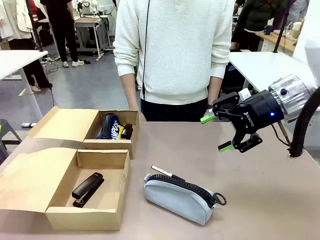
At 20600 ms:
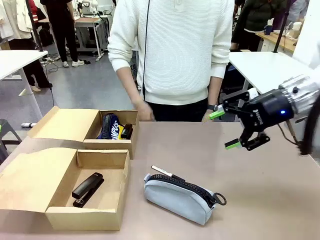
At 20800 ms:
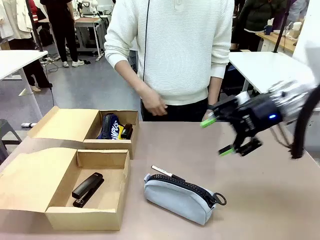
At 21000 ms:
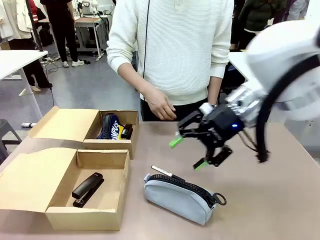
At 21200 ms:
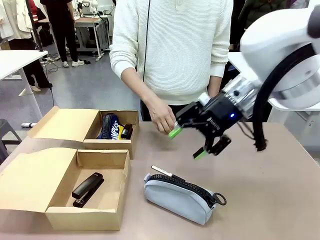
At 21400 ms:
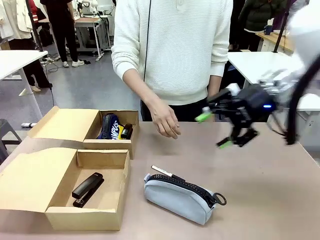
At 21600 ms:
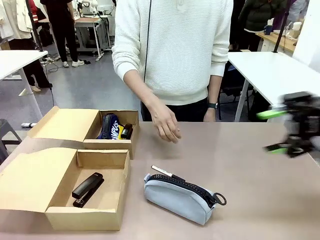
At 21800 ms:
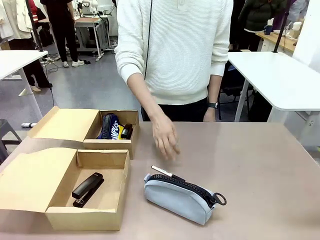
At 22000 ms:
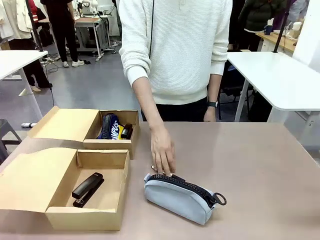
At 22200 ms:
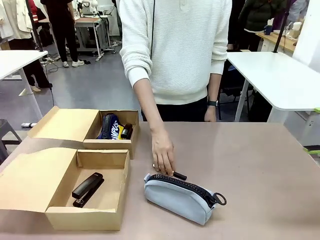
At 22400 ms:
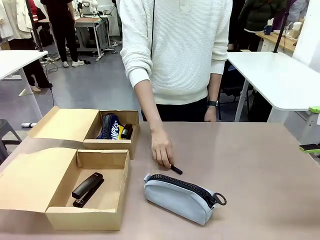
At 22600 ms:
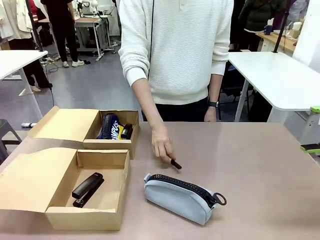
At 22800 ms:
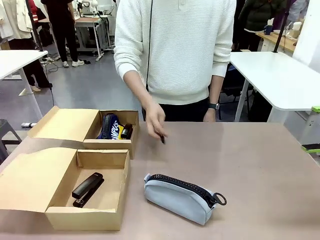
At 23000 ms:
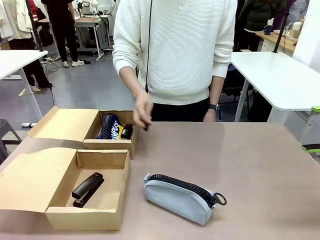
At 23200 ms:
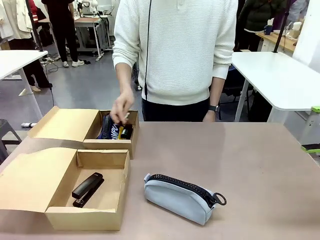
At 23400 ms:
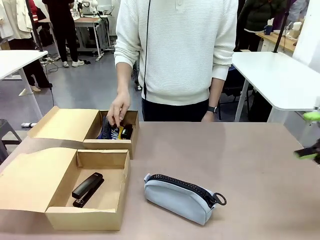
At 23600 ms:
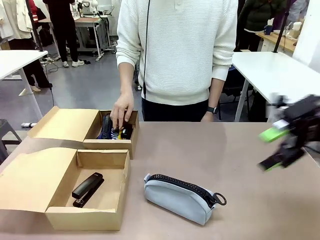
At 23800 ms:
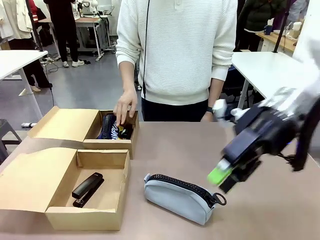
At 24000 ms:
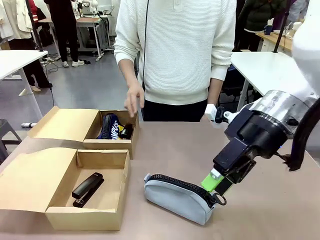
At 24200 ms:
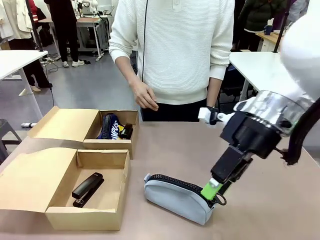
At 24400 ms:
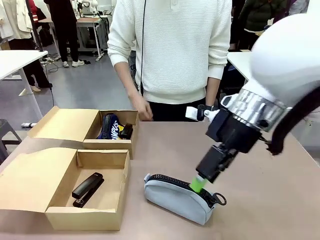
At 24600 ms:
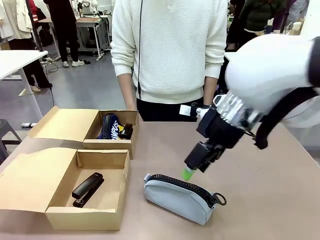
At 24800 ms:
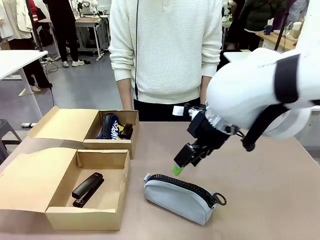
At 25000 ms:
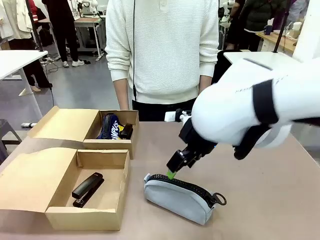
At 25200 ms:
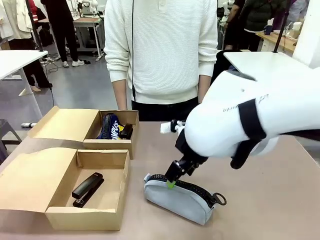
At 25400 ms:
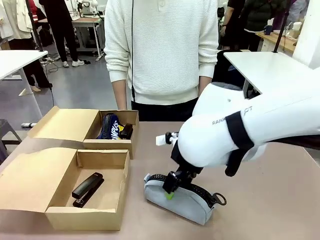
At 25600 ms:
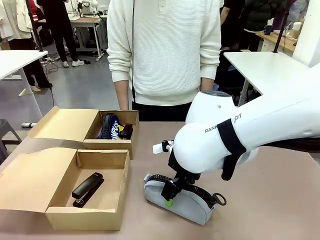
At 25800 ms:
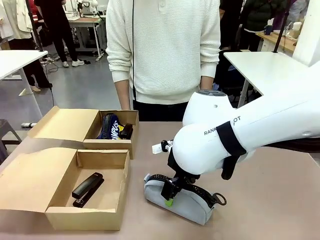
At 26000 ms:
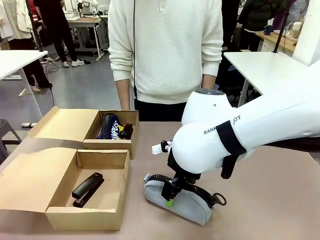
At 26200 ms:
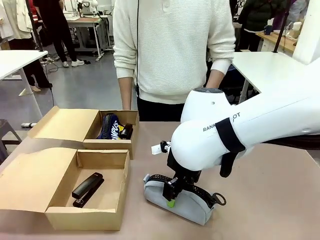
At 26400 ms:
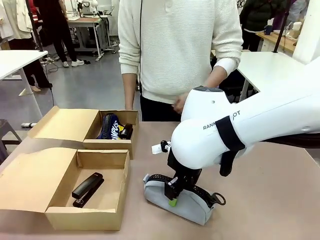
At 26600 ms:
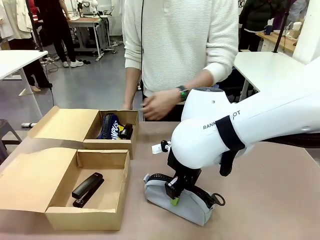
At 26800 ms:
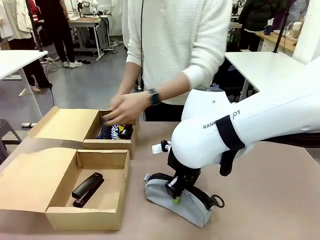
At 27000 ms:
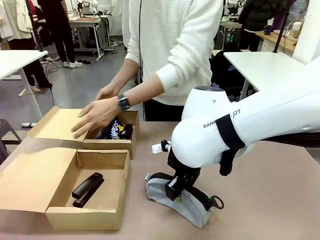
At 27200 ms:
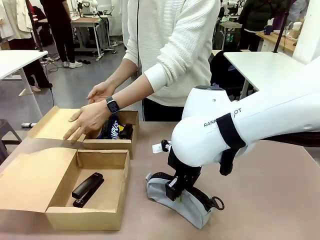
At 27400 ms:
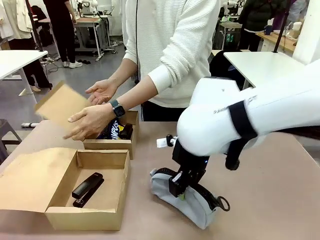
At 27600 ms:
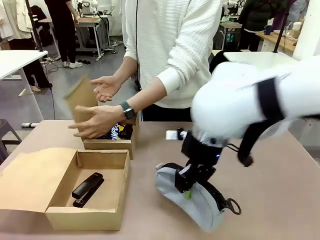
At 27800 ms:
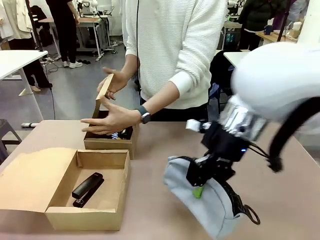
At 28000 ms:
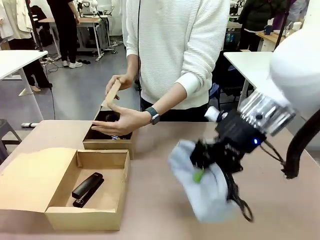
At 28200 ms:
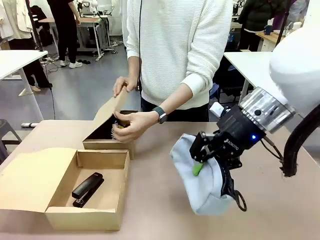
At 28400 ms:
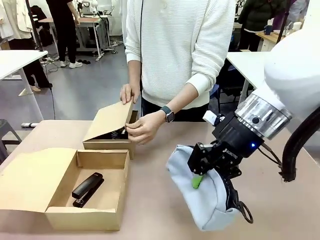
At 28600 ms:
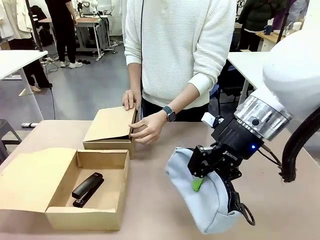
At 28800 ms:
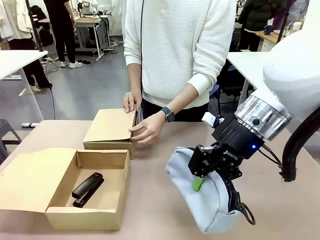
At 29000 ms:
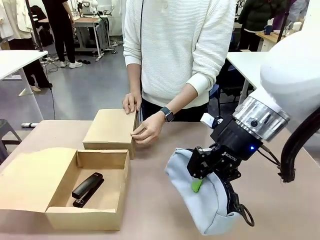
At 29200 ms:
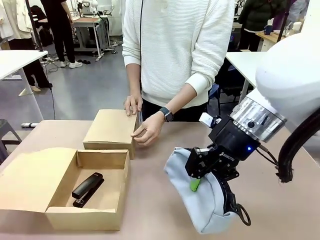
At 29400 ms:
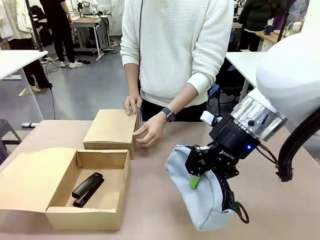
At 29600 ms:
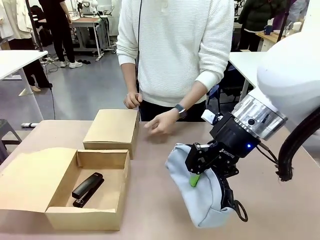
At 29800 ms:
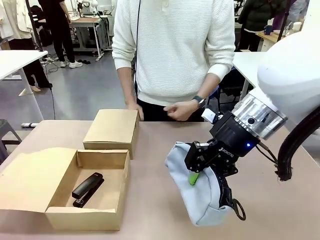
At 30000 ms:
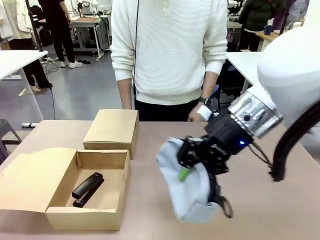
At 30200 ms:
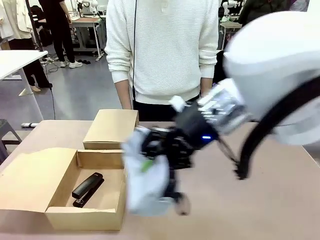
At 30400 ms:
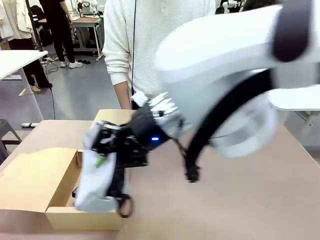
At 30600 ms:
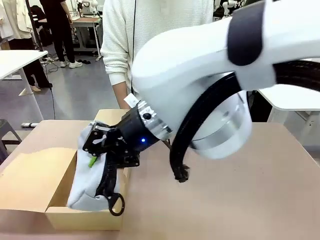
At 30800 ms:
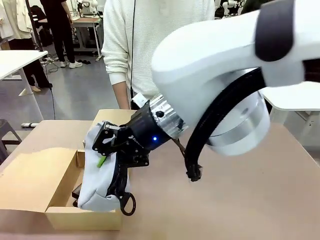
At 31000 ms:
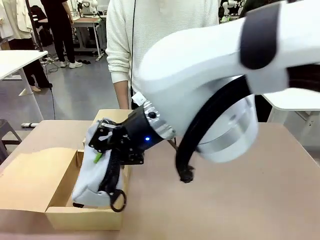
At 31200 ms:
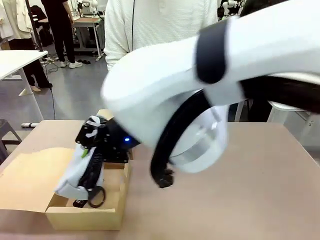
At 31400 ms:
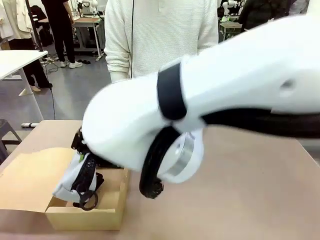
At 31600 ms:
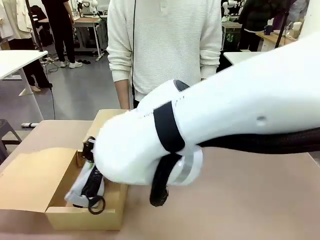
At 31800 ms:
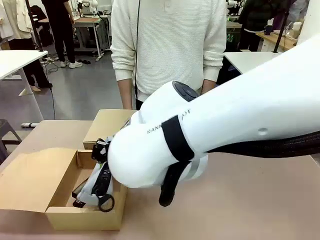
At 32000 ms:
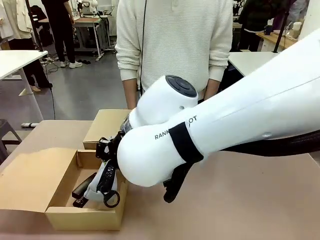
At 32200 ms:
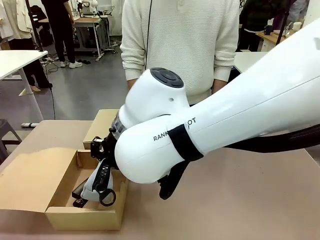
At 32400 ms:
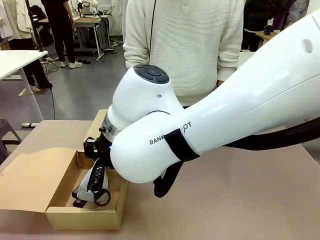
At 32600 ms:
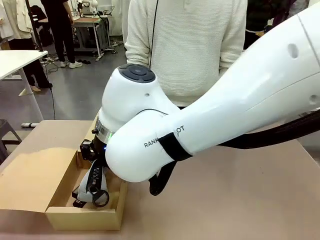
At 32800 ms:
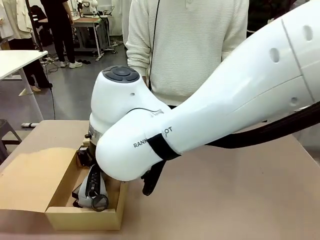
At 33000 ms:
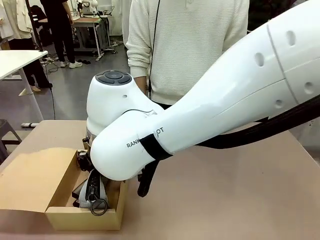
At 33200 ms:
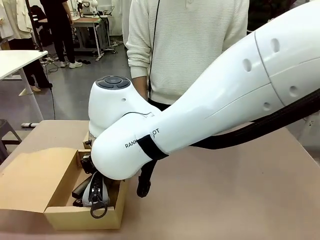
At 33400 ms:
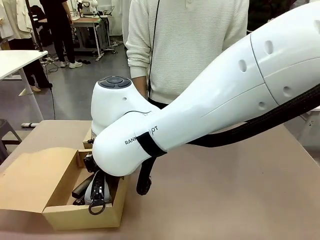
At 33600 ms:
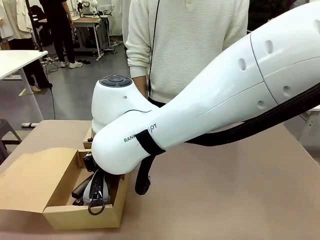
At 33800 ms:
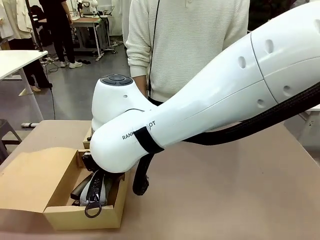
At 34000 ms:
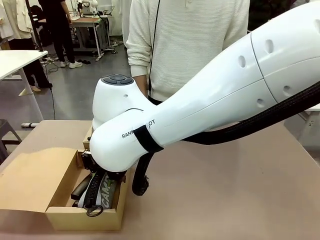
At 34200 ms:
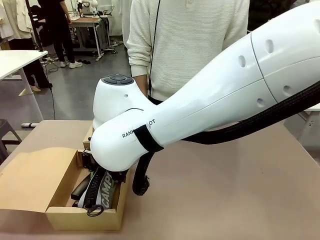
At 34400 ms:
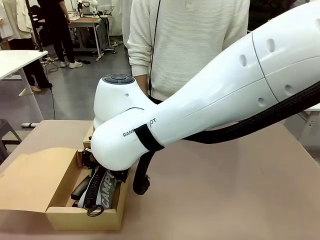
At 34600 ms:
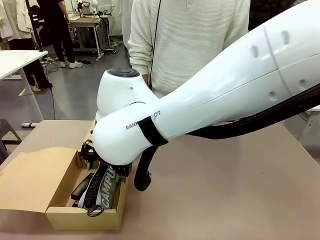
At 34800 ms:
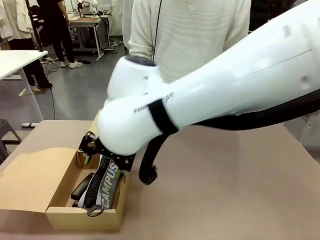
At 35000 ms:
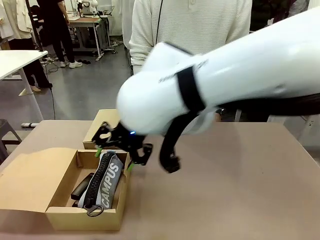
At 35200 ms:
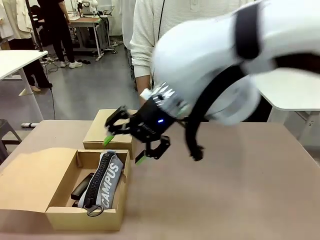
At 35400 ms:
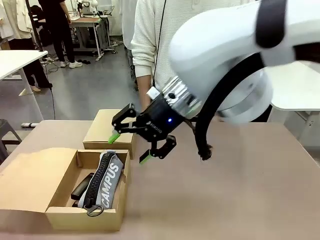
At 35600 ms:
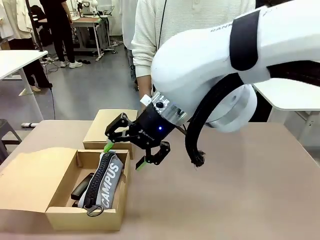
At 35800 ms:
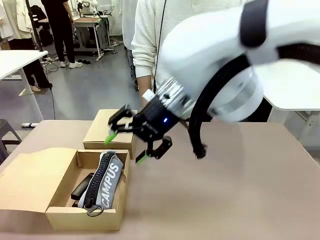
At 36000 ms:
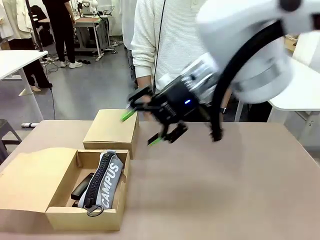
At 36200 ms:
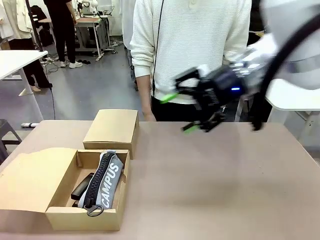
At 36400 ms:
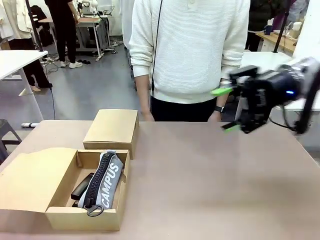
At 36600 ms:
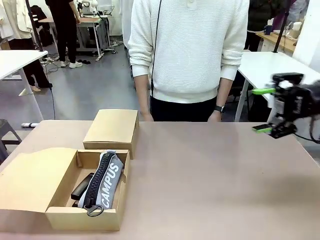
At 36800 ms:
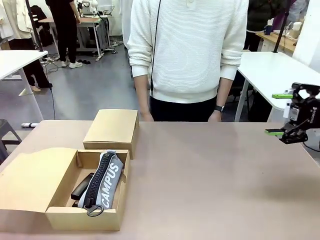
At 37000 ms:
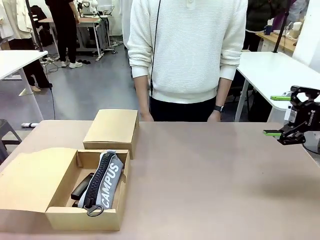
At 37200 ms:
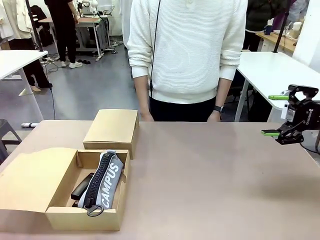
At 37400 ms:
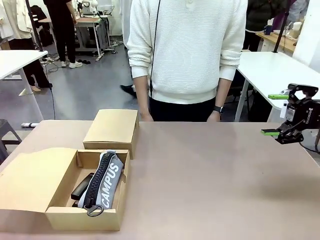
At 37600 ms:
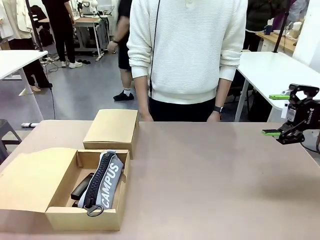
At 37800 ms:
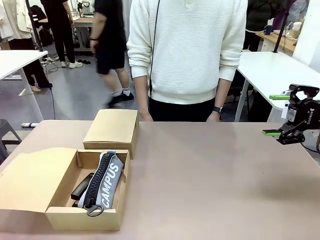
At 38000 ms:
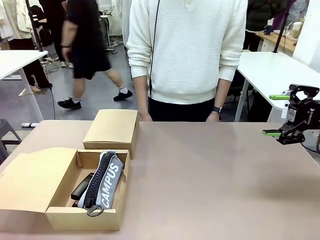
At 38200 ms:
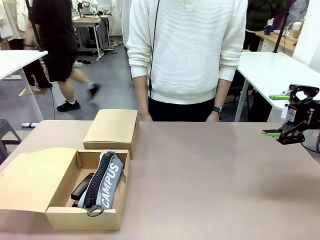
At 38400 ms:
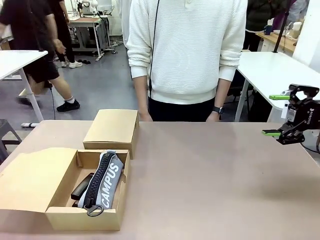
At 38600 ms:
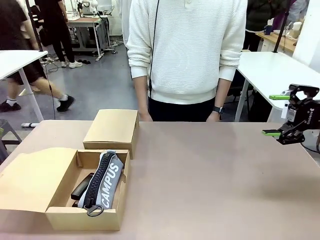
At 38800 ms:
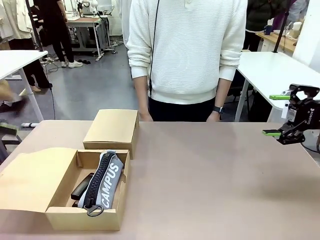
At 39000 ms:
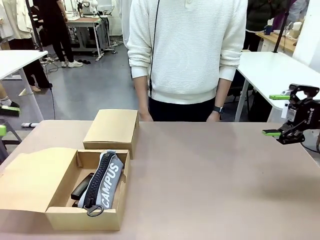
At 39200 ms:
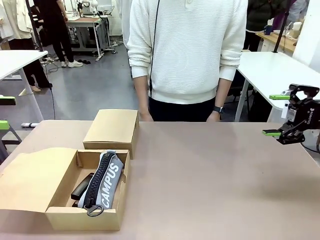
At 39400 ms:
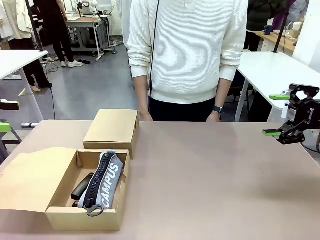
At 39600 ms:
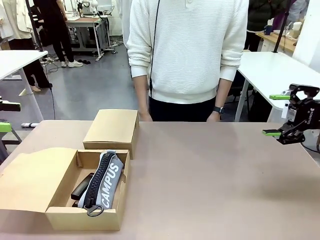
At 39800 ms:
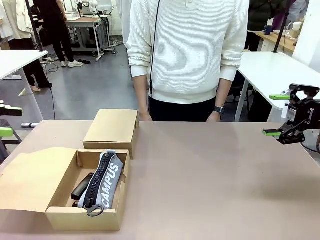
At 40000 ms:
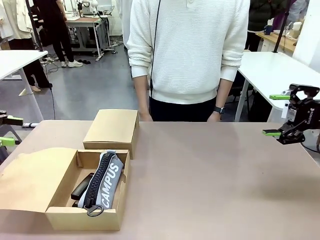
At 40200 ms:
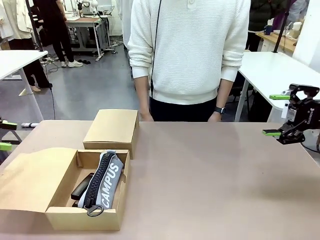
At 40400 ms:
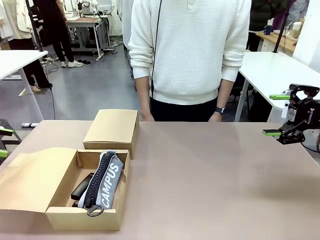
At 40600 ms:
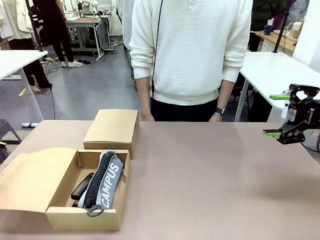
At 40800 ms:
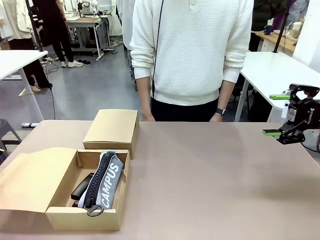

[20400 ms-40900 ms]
Task: Place items inside the box.
Robot: Pick up a Pencil pouch or Stapler and place it inside the Mailer Box closest to the robot.
Person: Close the lid of the box facing the person.
